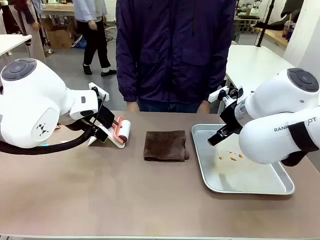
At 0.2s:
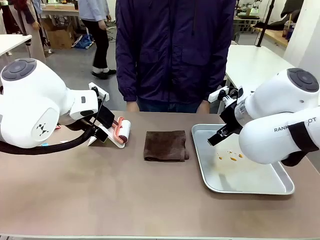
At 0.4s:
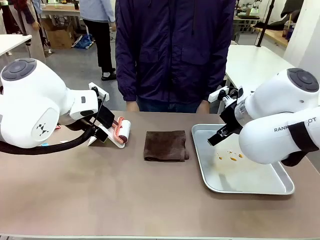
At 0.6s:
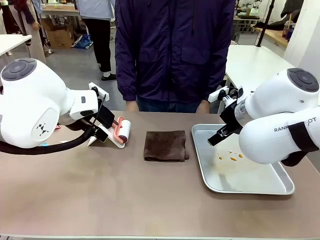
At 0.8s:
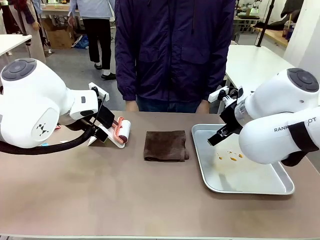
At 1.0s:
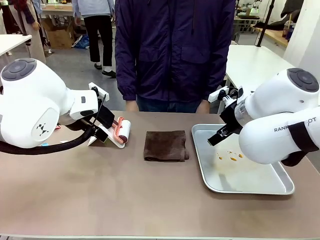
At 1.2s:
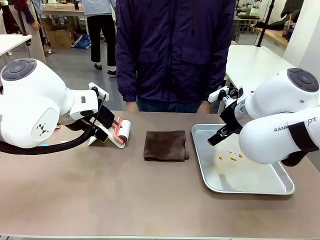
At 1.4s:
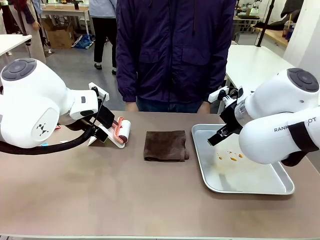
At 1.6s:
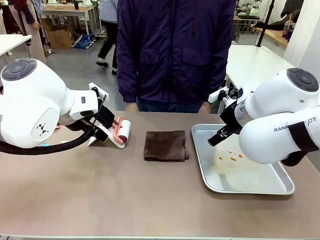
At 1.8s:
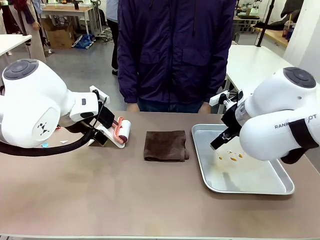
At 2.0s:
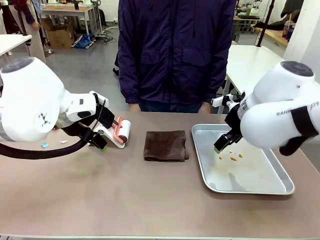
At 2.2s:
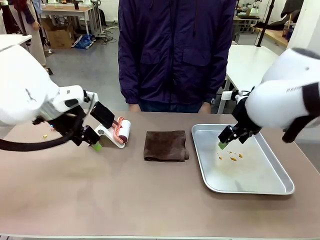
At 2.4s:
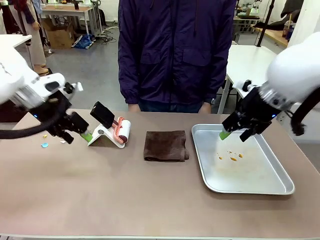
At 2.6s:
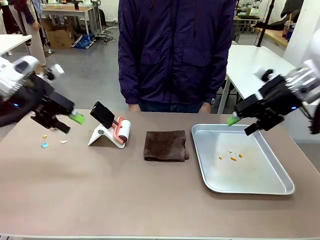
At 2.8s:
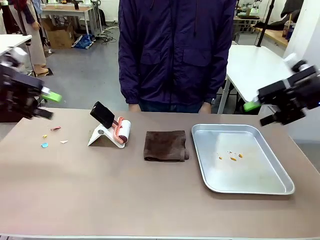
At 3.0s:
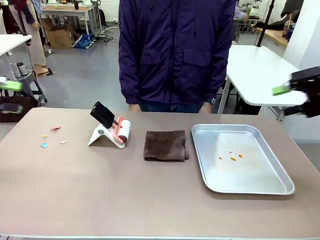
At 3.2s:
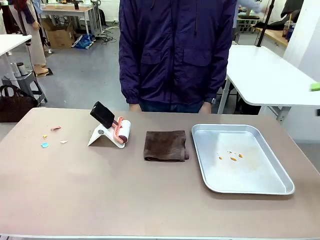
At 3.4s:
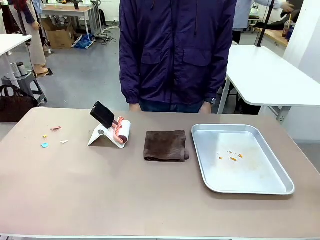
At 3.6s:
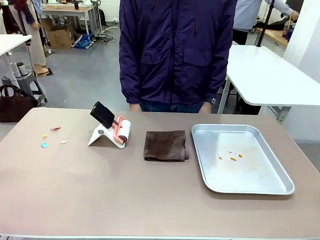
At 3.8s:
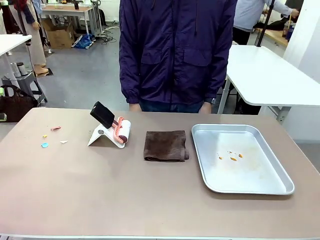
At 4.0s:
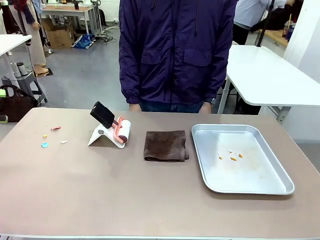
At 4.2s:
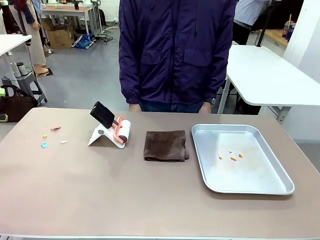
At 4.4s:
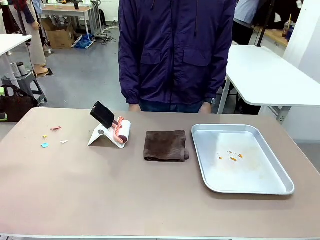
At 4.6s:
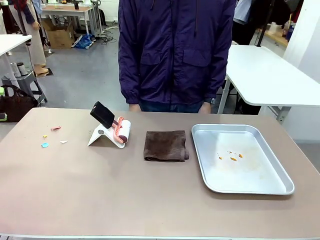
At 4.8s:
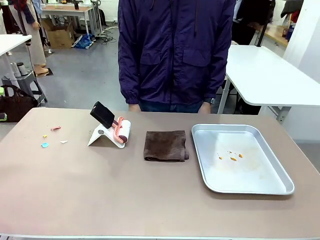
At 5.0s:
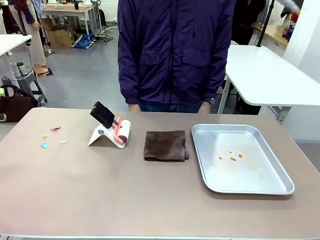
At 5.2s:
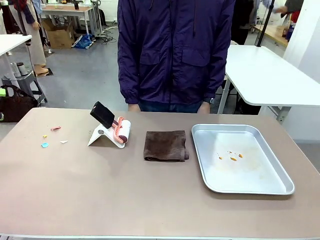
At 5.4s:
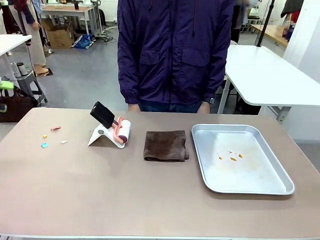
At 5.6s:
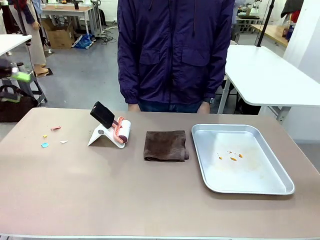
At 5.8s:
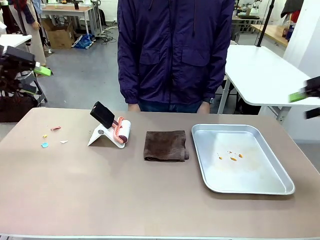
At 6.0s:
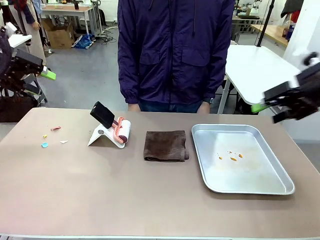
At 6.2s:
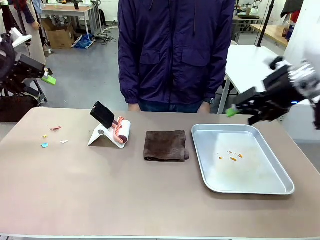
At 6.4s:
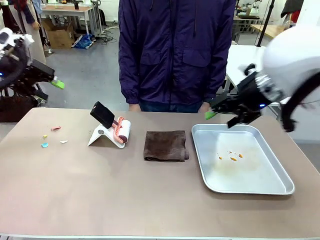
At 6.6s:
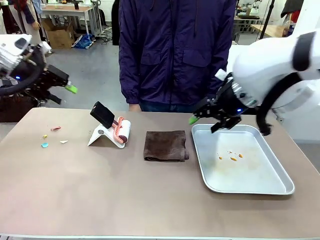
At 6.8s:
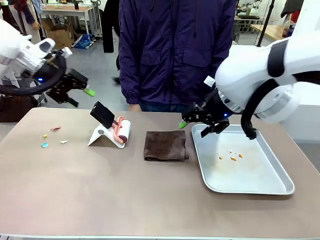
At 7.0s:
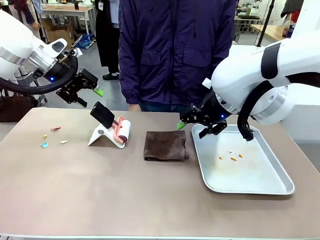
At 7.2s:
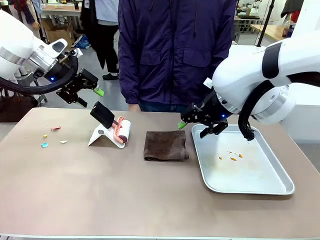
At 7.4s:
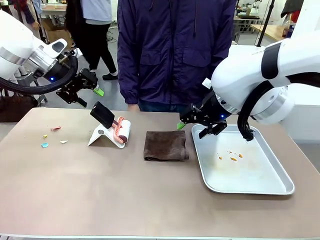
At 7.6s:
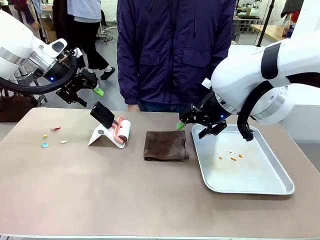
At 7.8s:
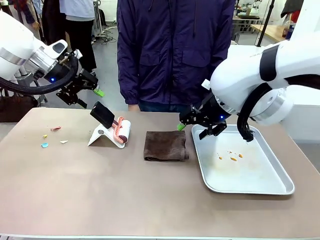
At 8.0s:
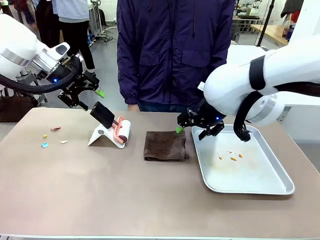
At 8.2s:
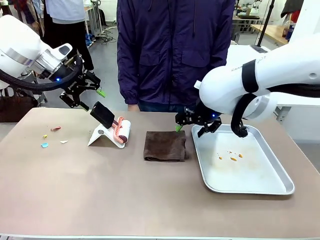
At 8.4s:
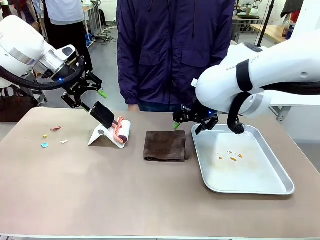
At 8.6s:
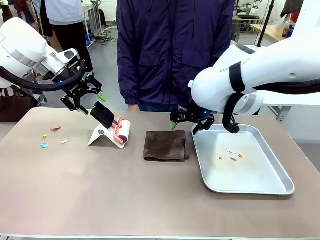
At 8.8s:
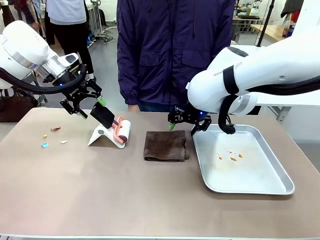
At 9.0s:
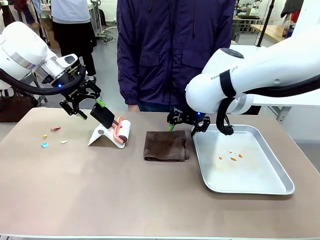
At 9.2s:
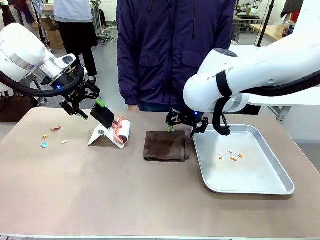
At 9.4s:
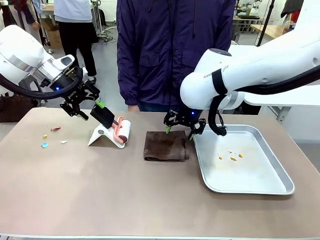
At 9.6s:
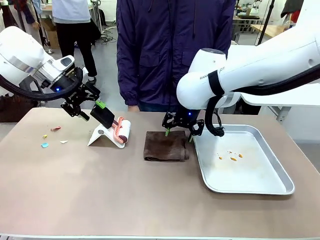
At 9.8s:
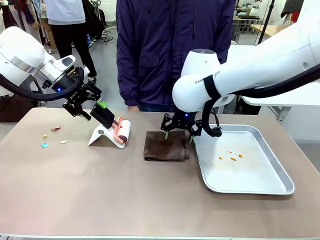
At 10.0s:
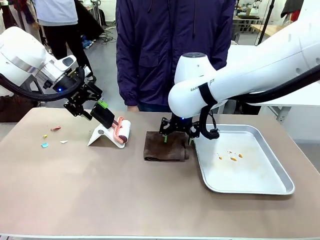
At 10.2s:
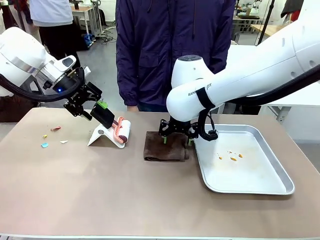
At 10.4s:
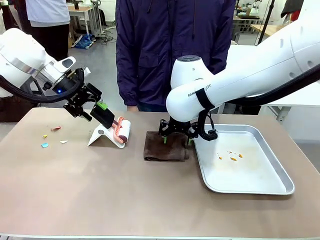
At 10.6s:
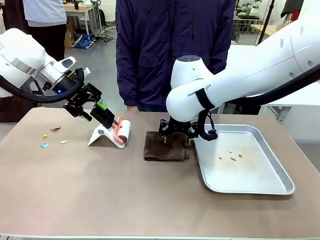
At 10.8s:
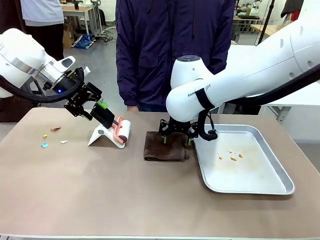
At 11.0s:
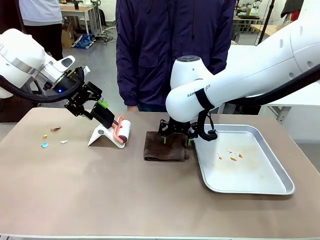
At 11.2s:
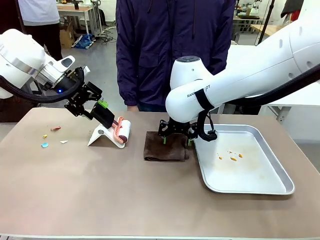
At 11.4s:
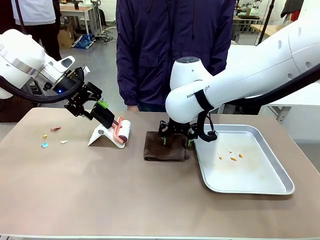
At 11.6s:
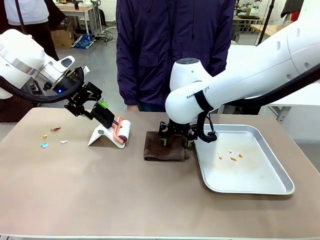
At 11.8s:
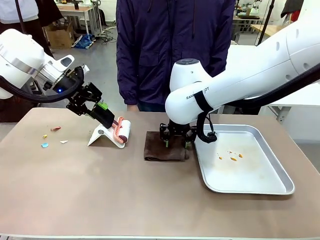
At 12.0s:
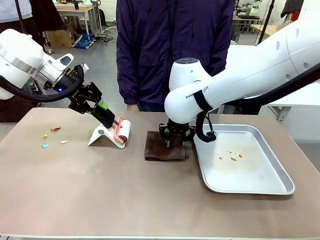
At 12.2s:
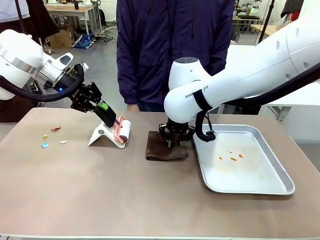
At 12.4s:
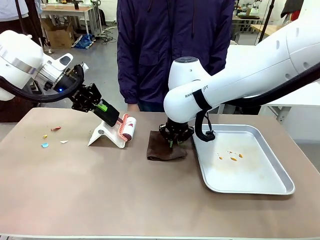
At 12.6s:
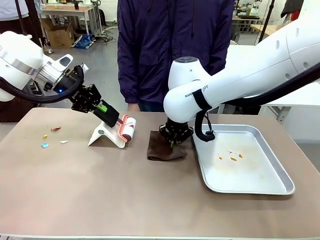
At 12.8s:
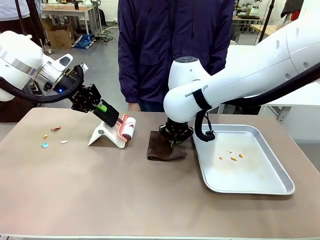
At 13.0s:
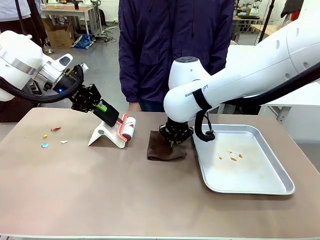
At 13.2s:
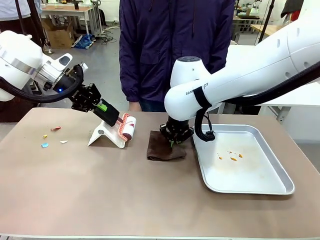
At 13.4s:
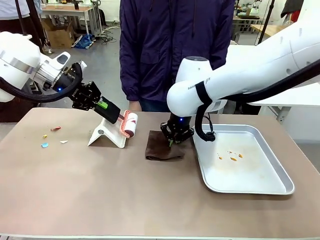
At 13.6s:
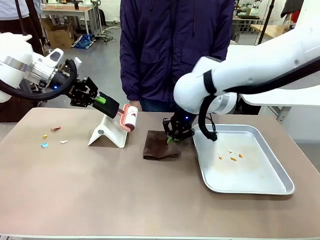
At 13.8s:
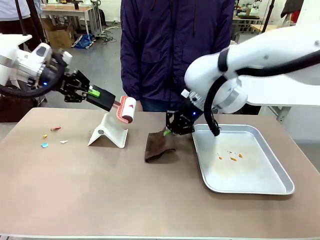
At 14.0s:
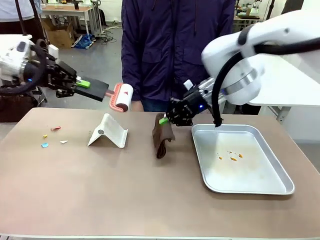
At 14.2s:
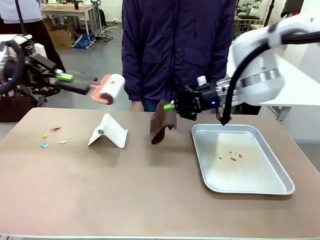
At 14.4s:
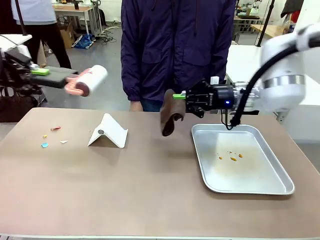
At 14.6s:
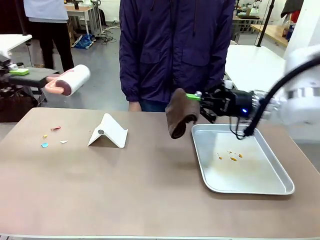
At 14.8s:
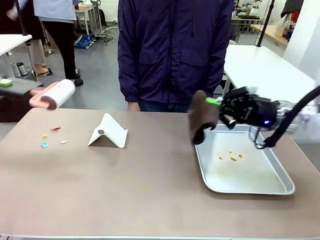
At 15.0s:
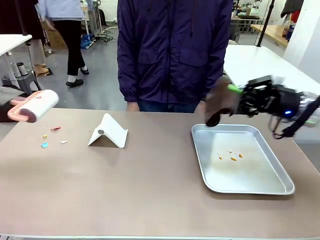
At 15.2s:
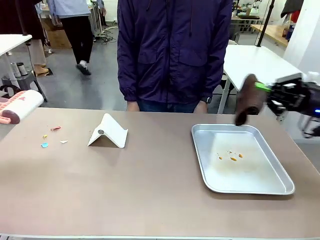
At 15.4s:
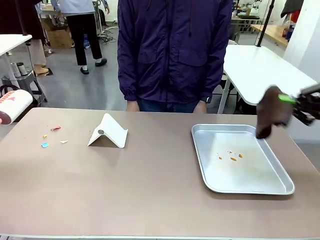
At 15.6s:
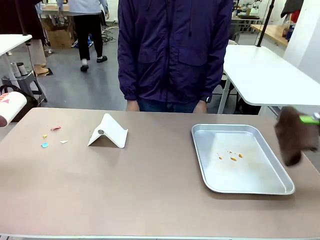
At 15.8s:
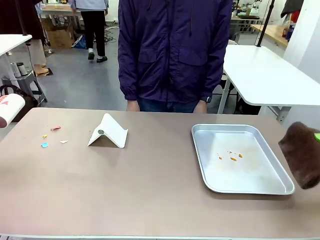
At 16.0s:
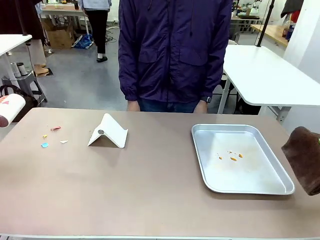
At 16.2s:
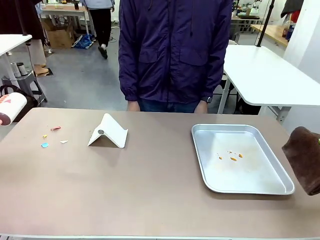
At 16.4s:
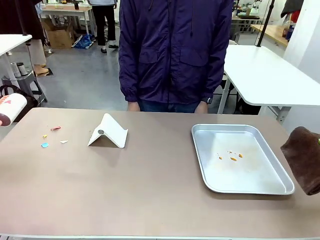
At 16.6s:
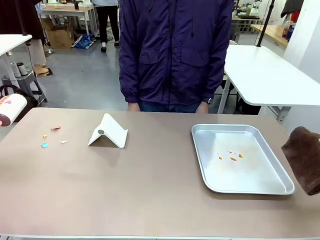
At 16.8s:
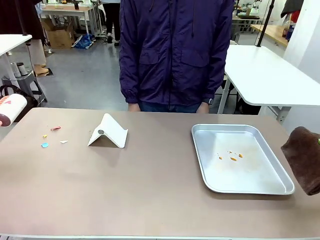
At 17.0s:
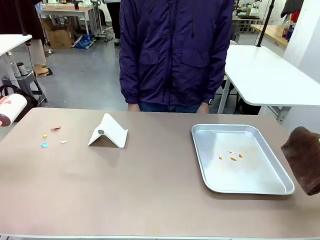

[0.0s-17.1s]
Task: Clean the surface of the table.
Robot: Hold the Lint Roller with your left hand and the towel with your right hand.

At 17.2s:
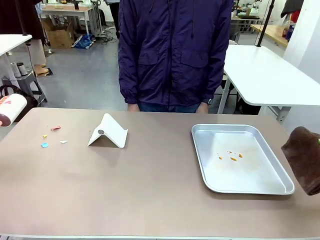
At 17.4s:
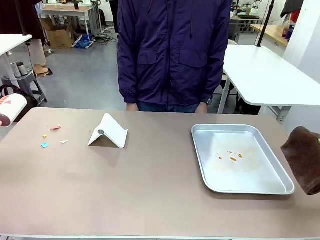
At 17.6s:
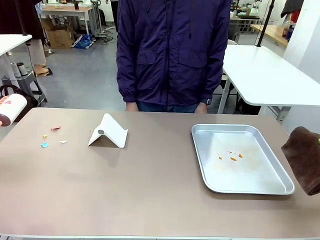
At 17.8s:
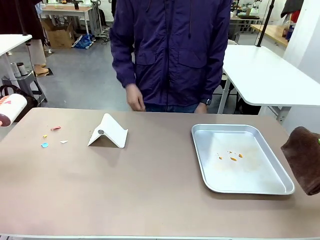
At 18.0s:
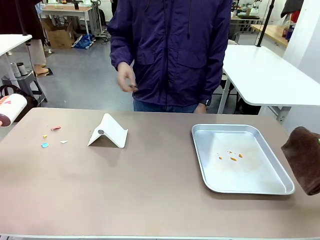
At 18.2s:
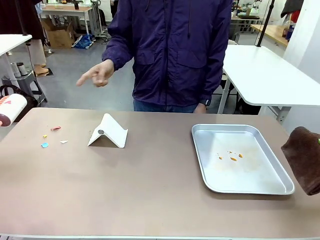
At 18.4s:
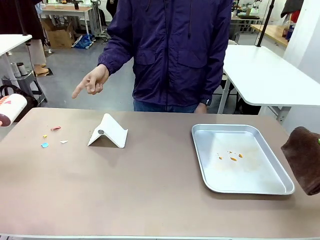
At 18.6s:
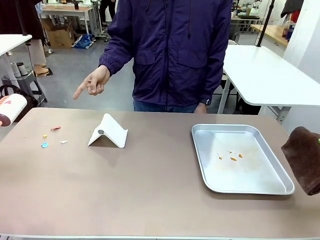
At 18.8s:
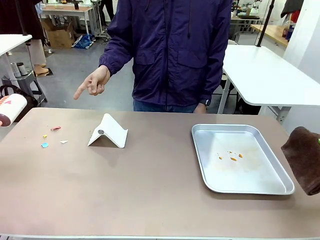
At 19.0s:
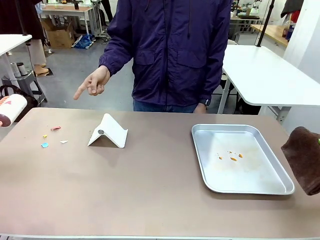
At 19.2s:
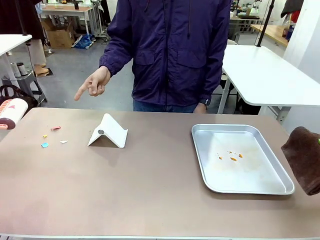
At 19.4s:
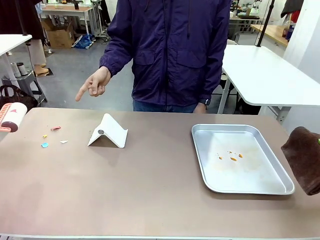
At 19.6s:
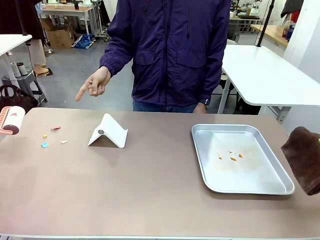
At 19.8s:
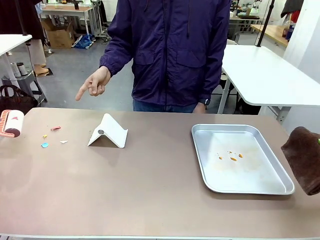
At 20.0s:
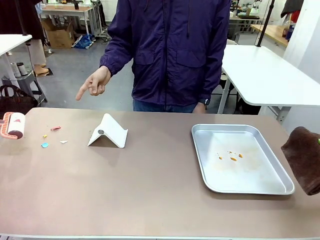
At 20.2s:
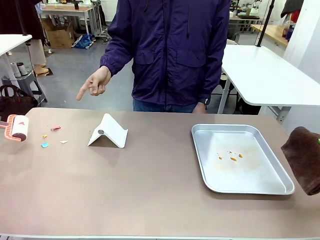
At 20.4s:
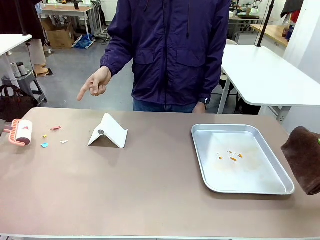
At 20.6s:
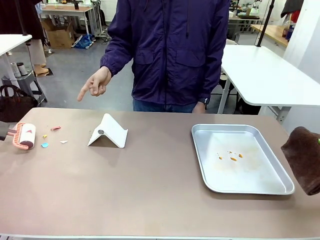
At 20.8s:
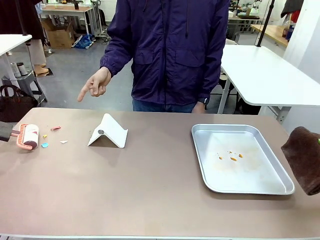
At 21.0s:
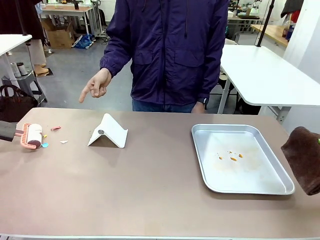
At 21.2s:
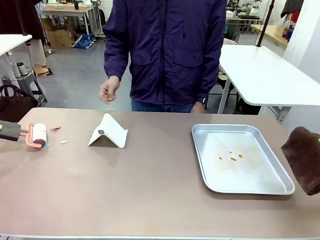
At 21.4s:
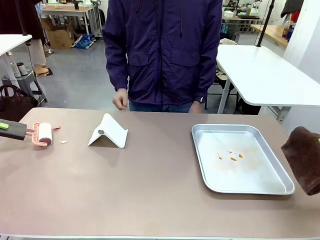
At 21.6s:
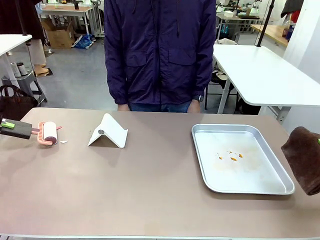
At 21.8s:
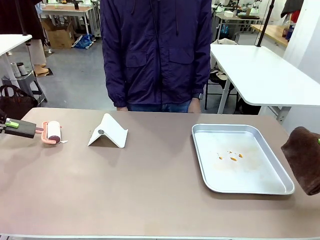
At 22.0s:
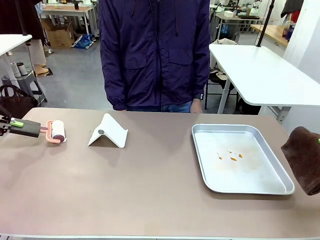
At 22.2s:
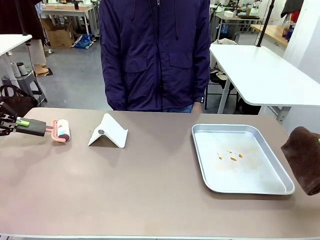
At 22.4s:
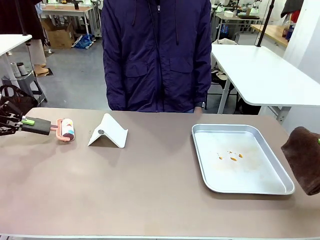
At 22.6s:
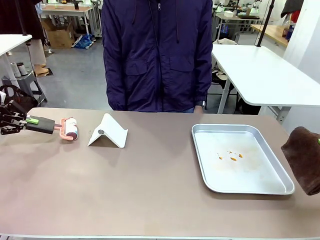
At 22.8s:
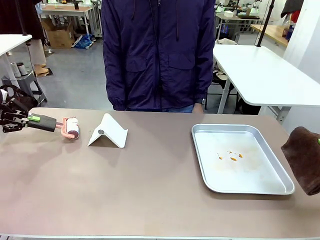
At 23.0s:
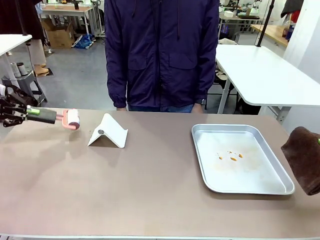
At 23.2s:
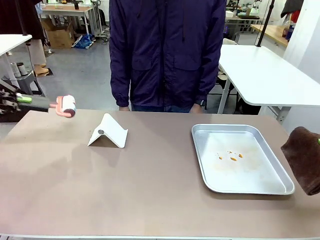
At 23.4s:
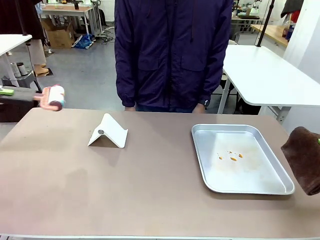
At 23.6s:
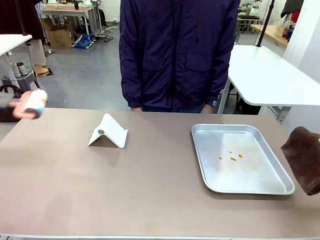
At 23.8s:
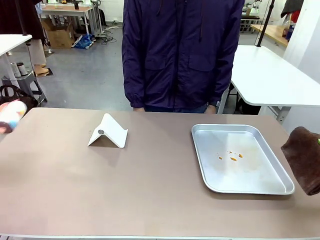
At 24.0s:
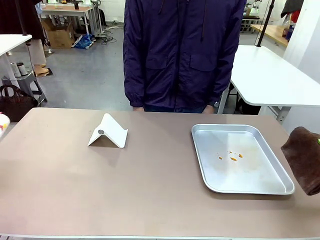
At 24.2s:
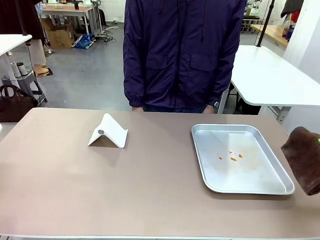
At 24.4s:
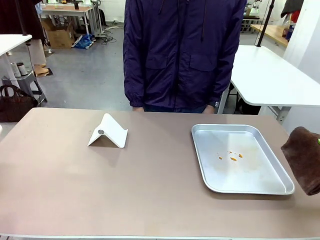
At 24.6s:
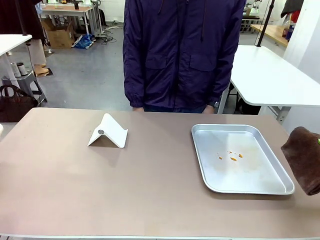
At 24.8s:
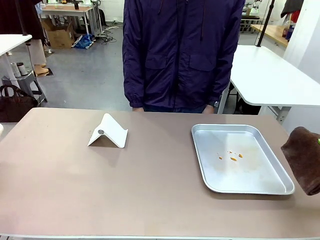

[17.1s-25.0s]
Robot: If a person points to the right, clean the right side of the table with your right hand, and if they point to the left, clean the left side with your left hand.
